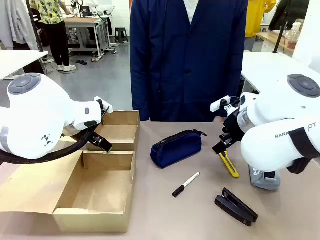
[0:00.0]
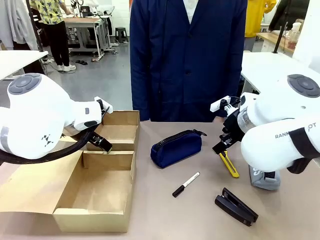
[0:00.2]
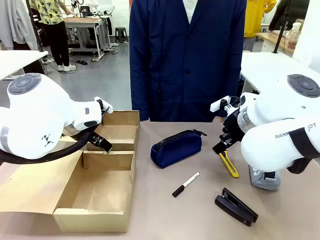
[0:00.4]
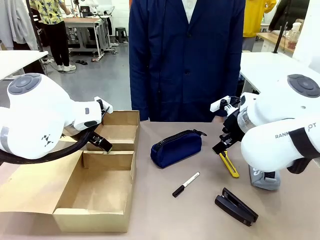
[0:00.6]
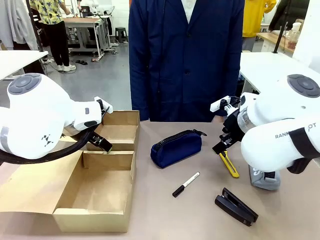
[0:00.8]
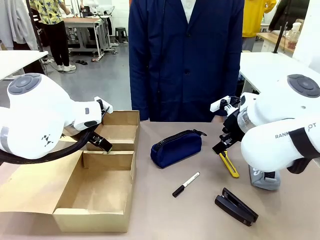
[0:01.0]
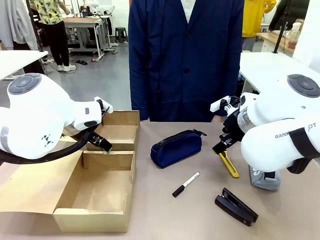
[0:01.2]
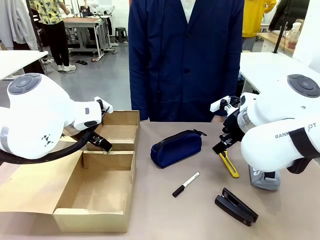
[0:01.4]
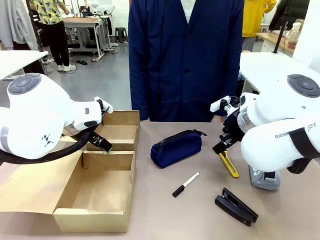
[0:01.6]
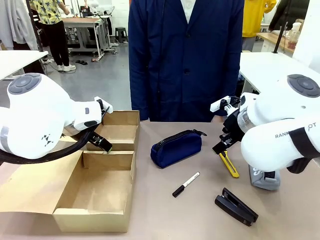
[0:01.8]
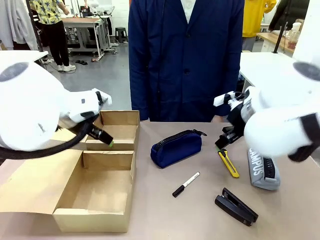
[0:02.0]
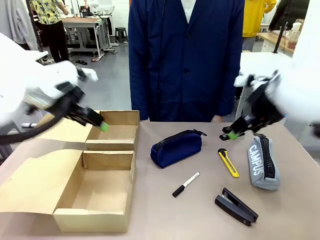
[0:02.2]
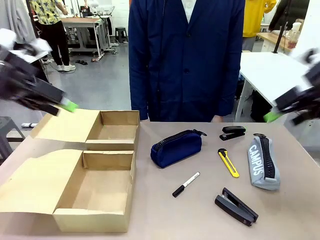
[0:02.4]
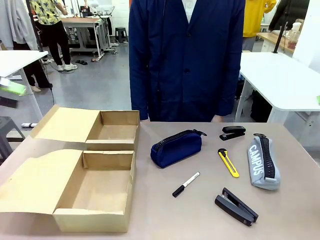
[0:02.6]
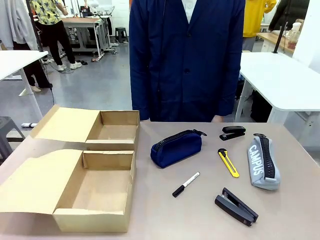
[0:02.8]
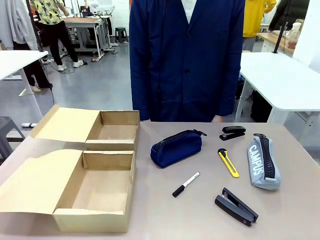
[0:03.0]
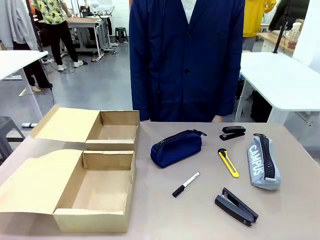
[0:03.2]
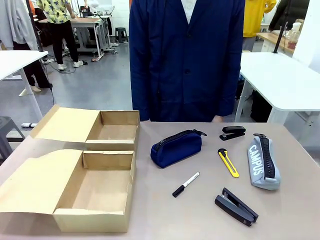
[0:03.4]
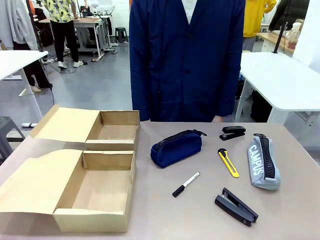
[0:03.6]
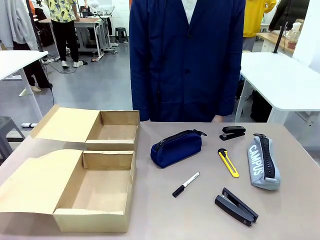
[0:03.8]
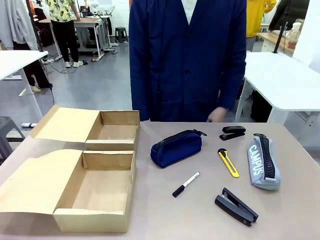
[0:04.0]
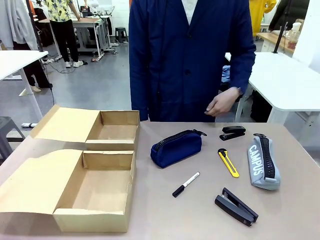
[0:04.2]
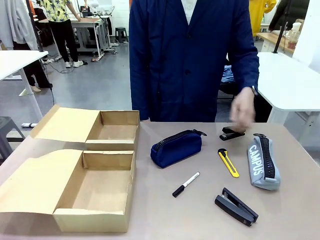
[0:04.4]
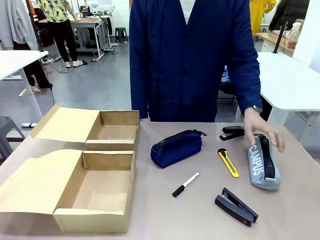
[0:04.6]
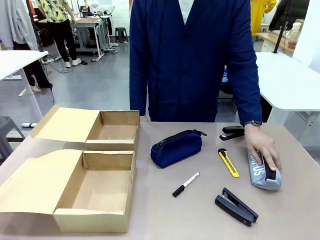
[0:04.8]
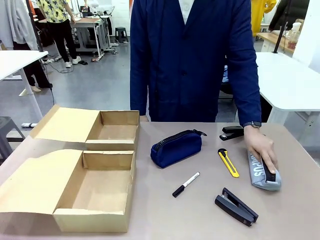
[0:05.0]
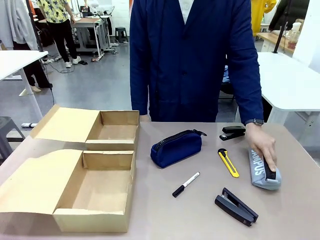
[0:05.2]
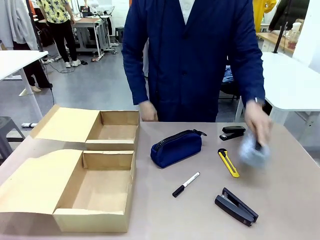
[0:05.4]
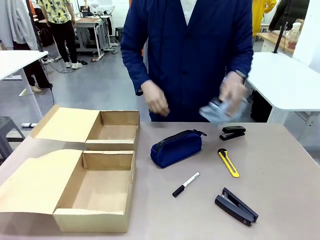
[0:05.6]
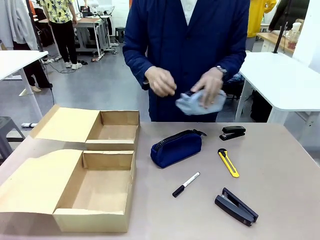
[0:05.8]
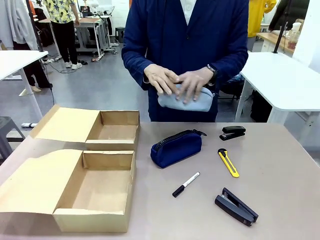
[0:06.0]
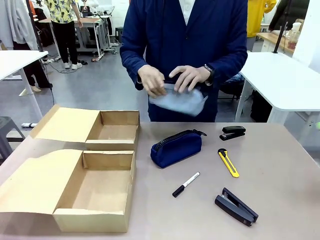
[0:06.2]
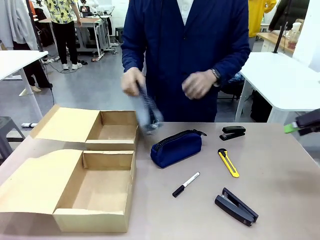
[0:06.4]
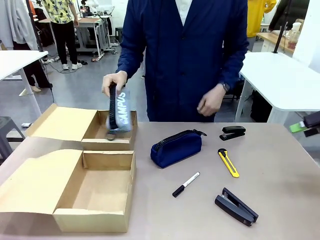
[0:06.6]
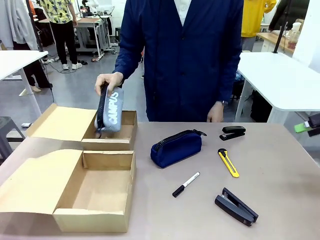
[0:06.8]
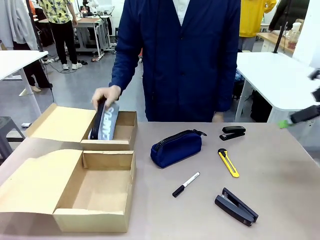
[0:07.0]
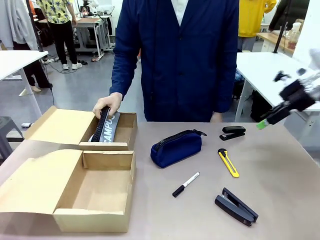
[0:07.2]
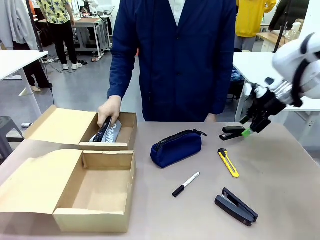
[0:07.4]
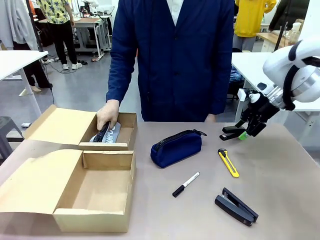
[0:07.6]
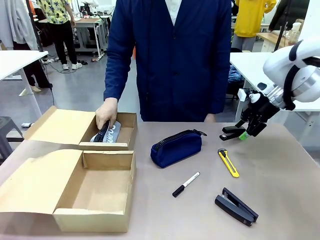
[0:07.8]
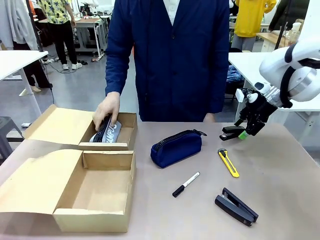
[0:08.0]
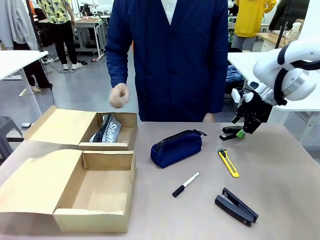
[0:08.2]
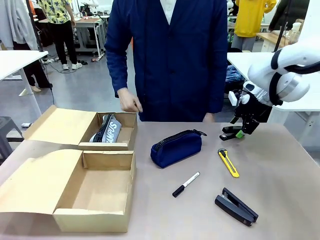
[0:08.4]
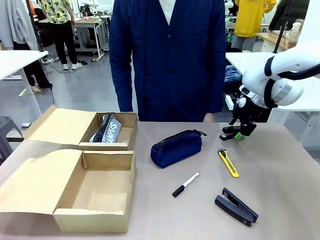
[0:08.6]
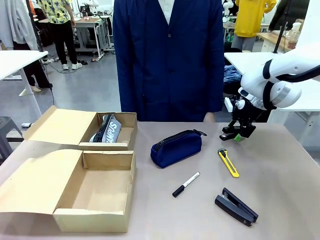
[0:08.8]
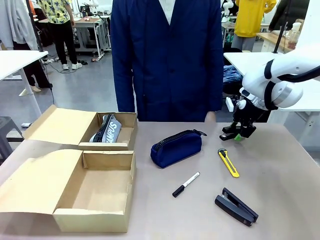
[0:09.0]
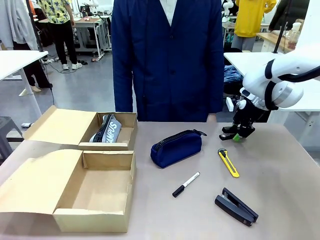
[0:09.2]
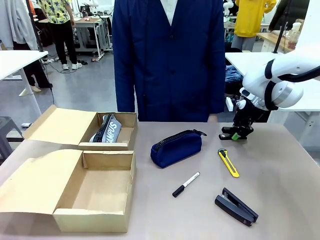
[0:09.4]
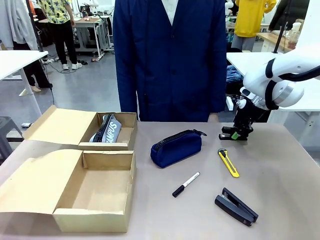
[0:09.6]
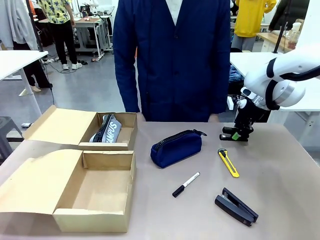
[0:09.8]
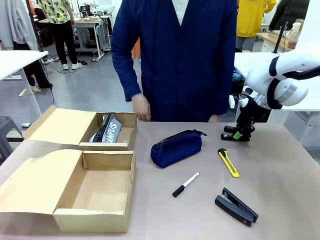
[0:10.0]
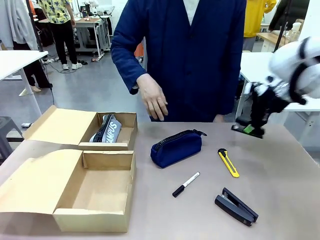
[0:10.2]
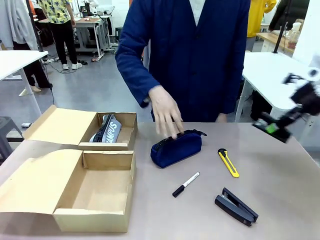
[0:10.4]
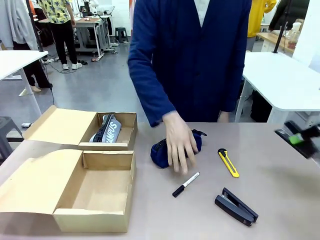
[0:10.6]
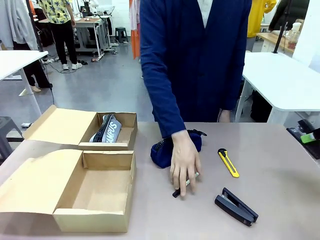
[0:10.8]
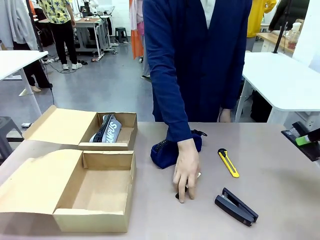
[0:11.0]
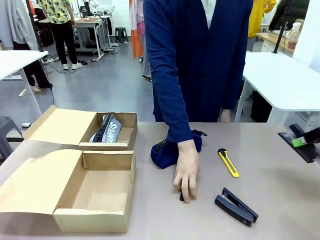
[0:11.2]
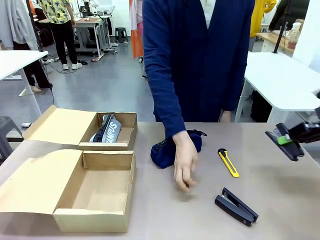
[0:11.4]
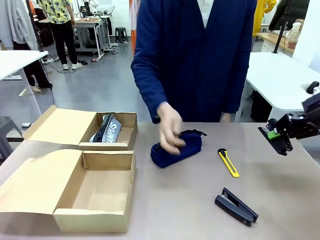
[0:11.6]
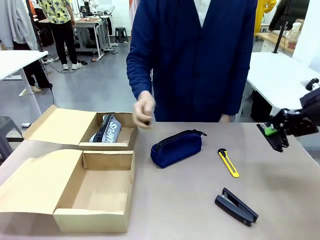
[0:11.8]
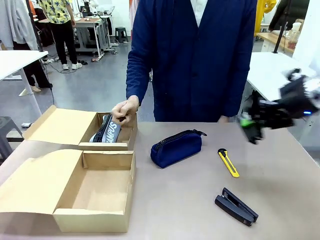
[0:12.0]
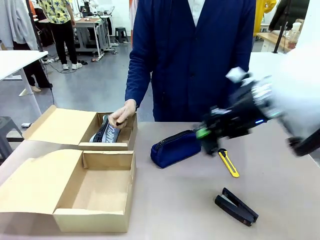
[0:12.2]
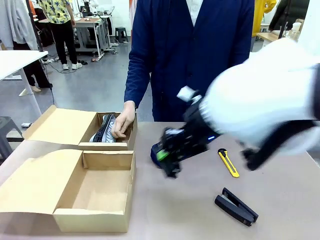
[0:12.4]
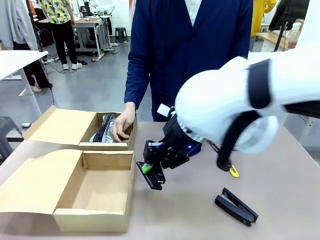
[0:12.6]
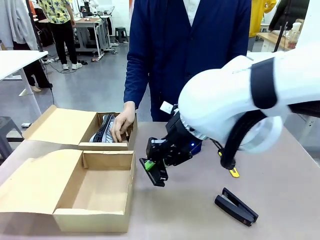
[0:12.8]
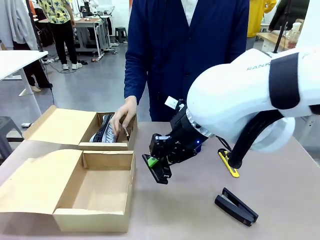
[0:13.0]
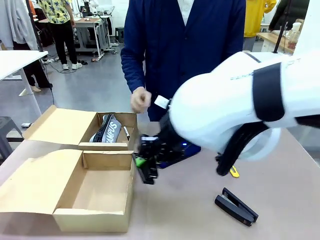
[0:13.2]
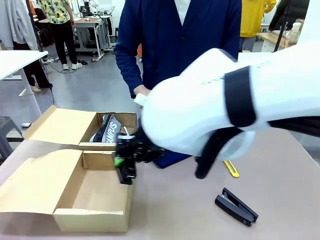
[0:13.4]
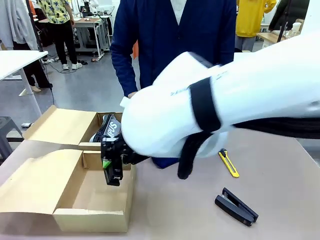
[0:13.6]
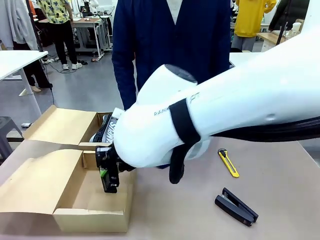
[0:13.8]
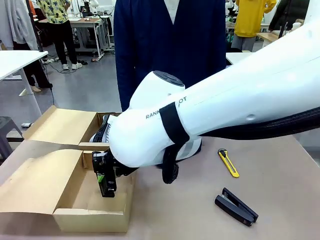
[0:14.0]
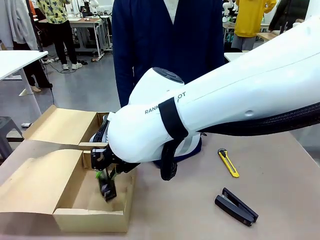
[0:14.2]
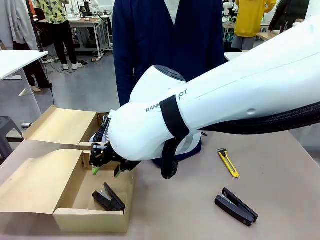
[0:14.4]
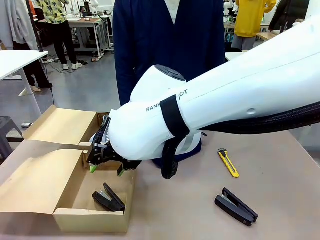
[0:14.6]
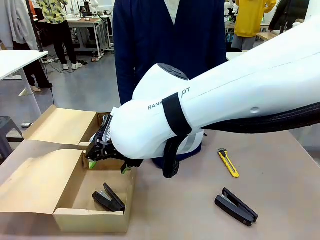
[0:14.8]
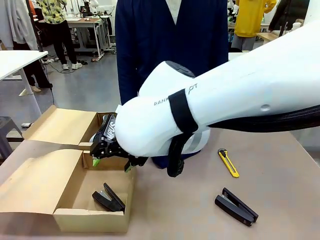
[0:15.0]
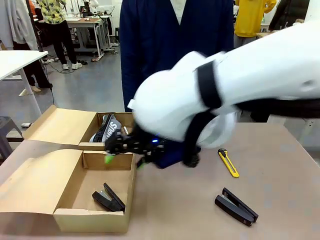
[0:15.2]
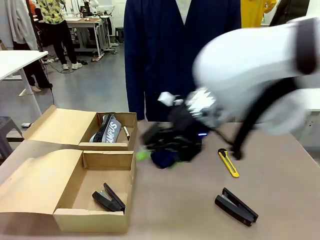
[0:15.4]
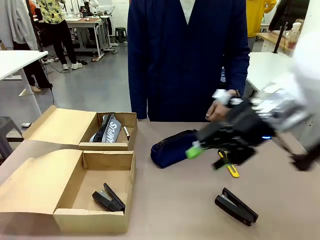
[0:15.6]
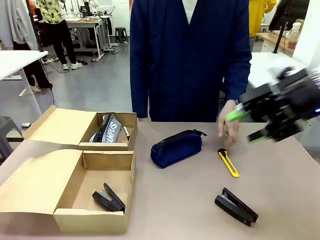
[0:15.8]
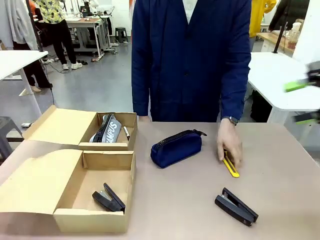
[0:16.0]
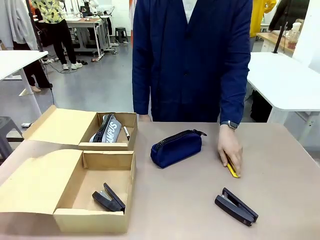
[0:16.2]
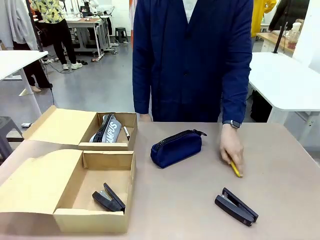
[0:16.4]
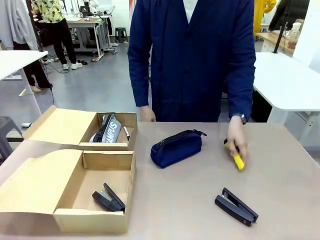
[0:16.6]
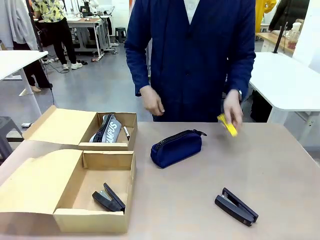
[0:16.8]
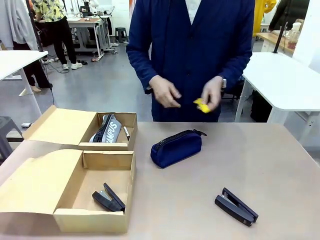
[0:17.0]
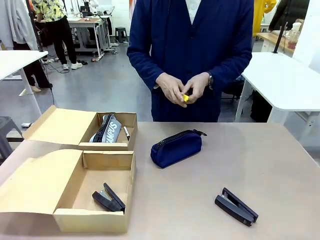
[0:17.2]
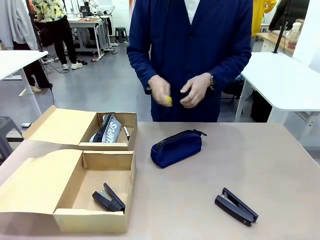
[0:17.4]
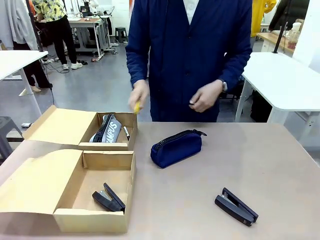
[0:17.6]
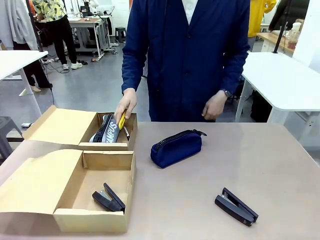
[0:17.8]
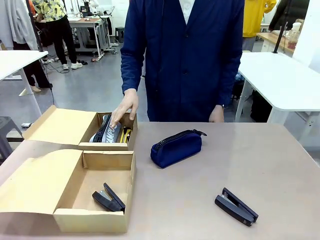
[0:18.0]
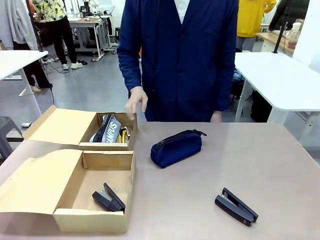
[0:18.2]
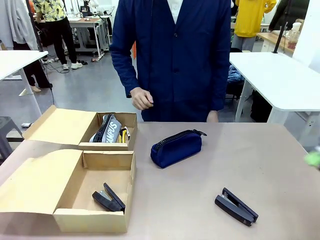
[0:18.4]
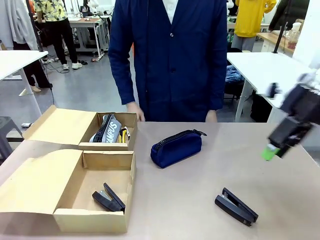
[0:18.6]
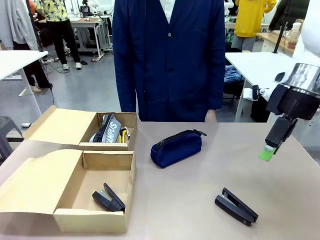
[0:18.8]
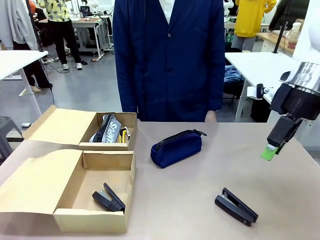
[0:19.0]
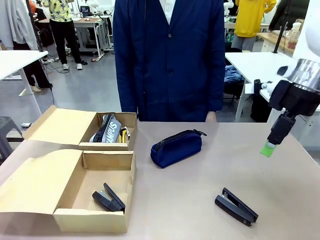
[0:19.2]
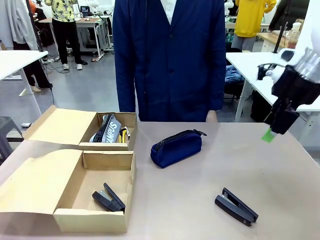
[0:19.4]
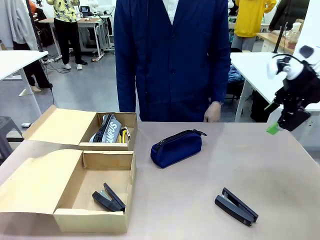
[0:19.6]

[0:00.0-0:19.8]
Task: Place items inside the box.
Robot: Pick up a Pencil pouch or Stapler and place it inside the Mailer Box closest to the robot.
Person: Pick up an object on the table and put it in the box.
